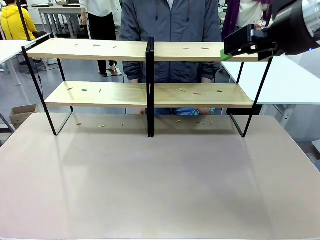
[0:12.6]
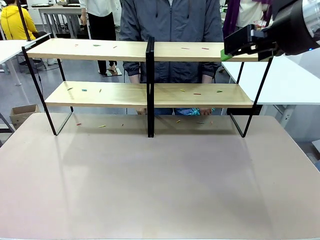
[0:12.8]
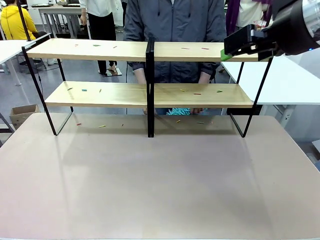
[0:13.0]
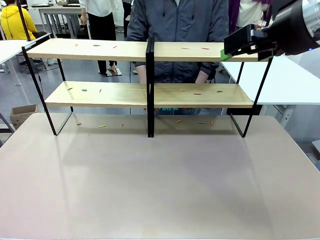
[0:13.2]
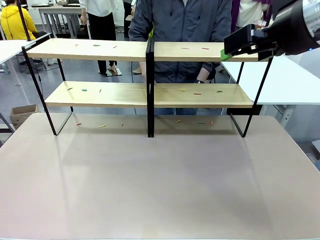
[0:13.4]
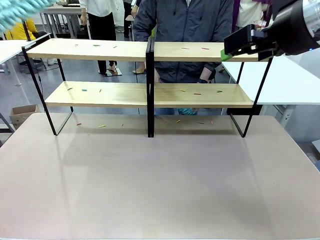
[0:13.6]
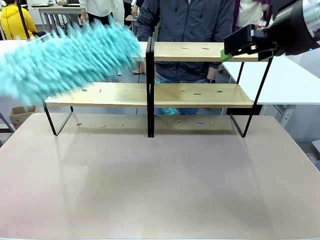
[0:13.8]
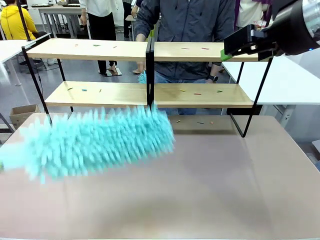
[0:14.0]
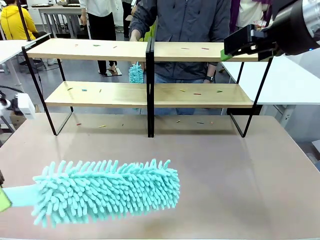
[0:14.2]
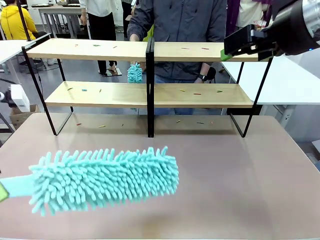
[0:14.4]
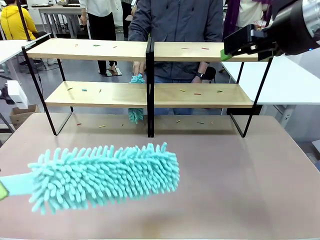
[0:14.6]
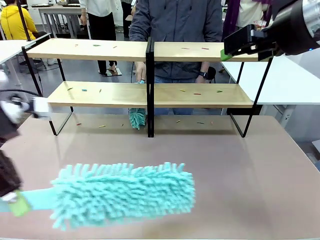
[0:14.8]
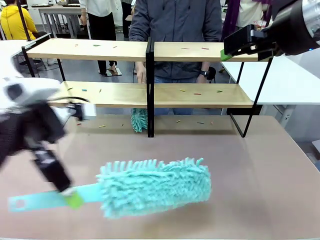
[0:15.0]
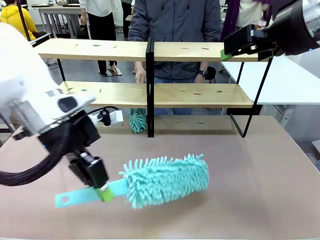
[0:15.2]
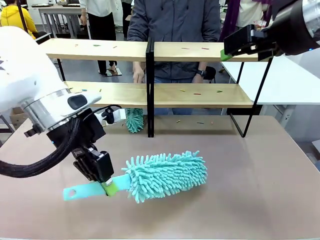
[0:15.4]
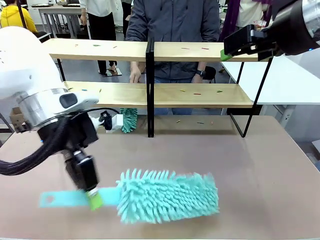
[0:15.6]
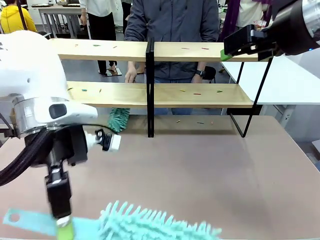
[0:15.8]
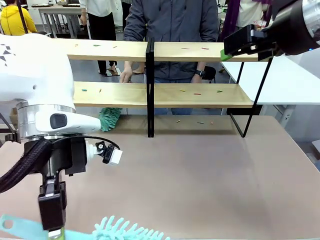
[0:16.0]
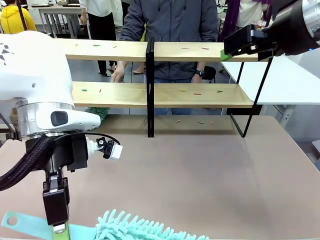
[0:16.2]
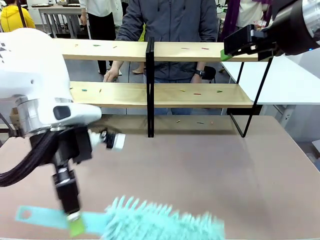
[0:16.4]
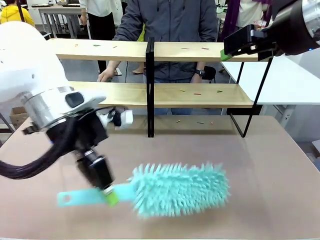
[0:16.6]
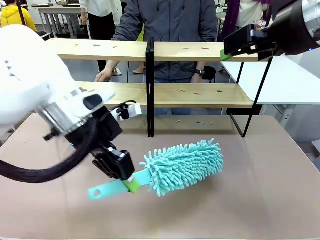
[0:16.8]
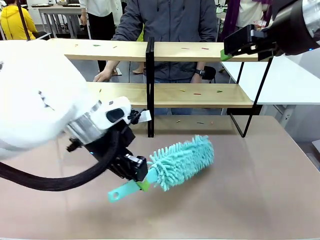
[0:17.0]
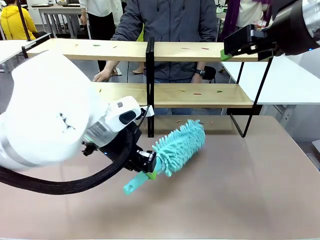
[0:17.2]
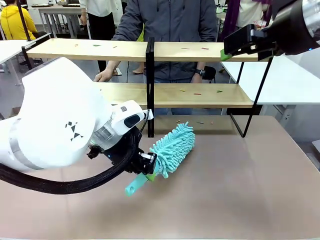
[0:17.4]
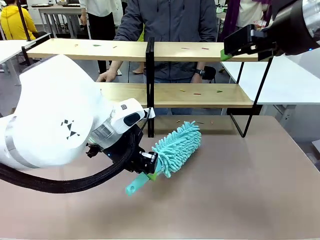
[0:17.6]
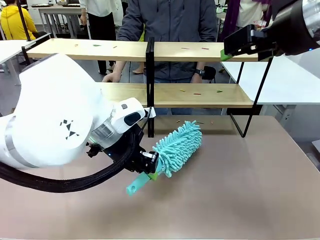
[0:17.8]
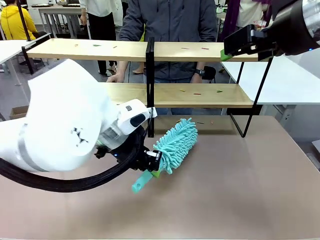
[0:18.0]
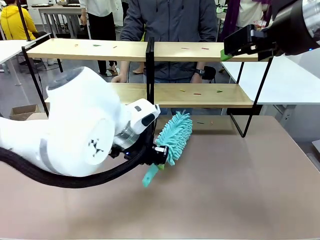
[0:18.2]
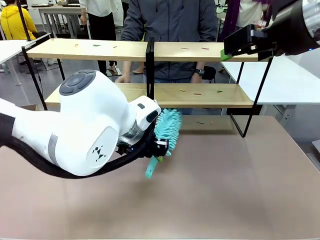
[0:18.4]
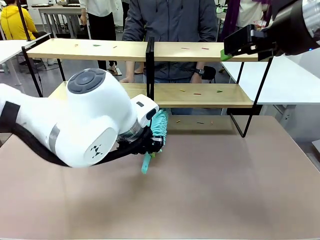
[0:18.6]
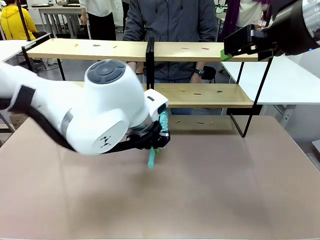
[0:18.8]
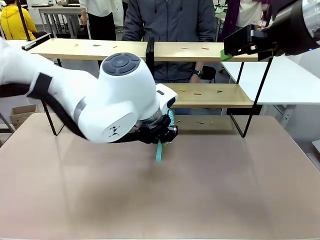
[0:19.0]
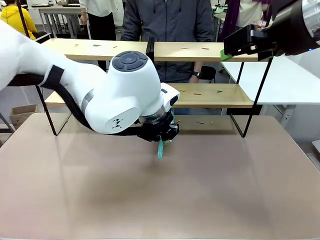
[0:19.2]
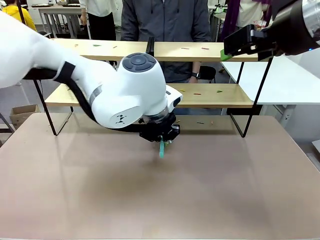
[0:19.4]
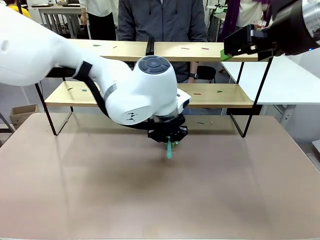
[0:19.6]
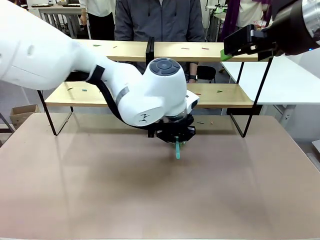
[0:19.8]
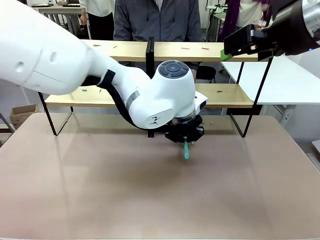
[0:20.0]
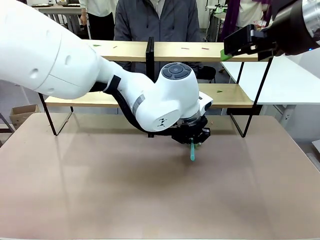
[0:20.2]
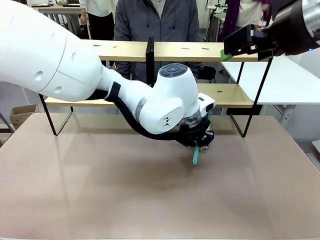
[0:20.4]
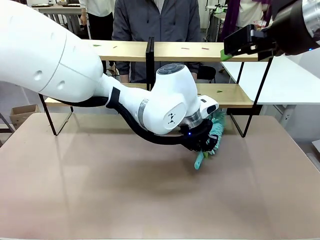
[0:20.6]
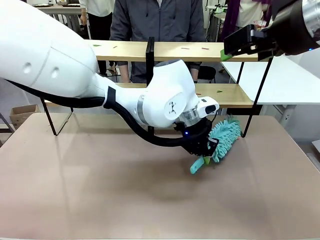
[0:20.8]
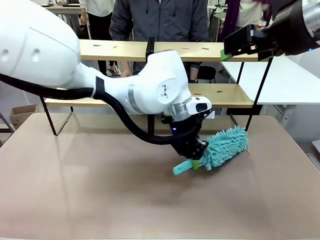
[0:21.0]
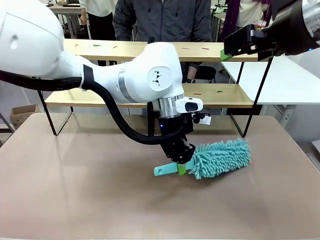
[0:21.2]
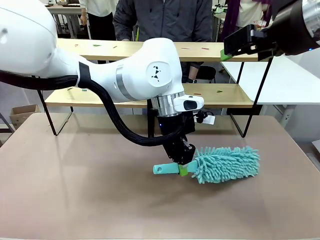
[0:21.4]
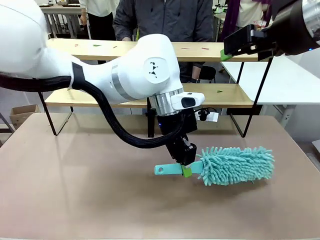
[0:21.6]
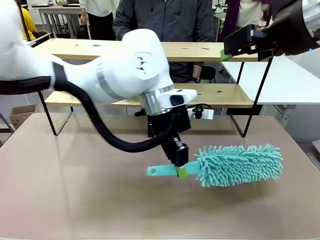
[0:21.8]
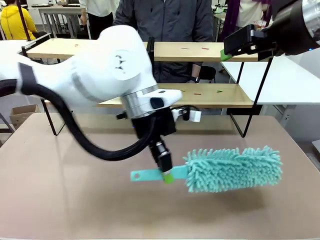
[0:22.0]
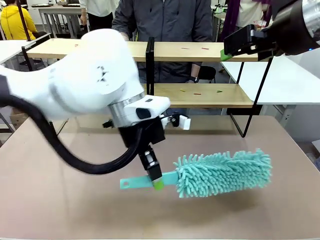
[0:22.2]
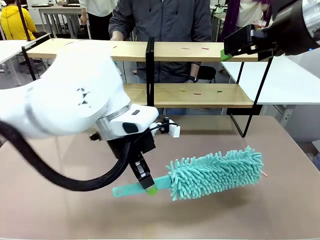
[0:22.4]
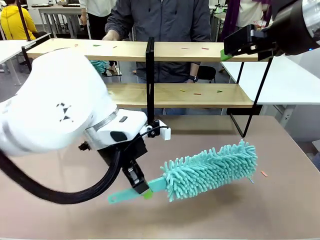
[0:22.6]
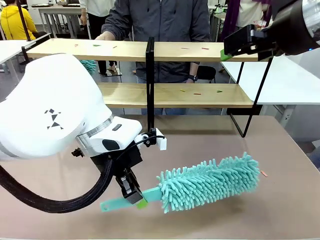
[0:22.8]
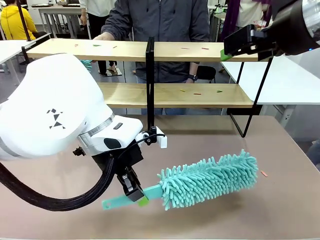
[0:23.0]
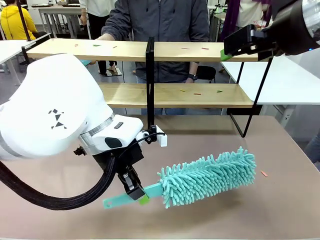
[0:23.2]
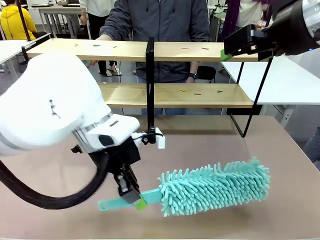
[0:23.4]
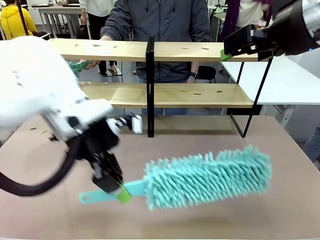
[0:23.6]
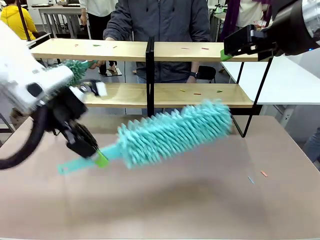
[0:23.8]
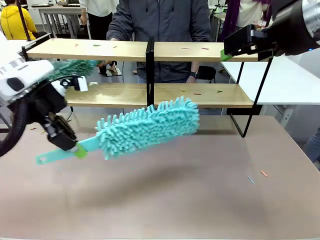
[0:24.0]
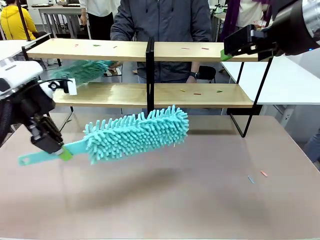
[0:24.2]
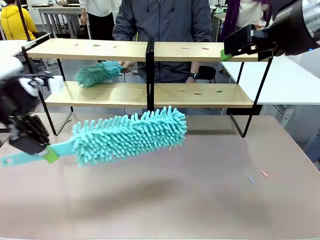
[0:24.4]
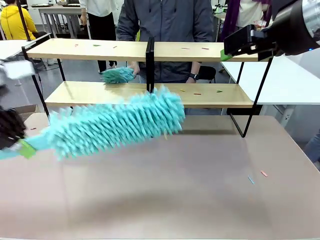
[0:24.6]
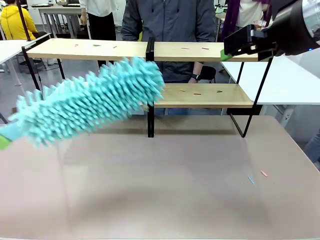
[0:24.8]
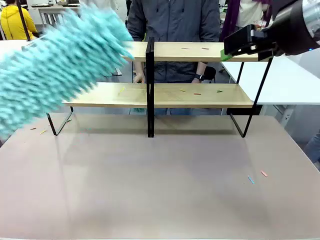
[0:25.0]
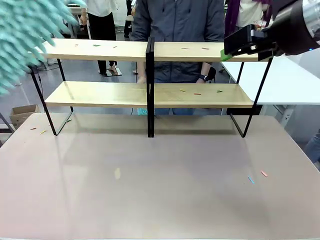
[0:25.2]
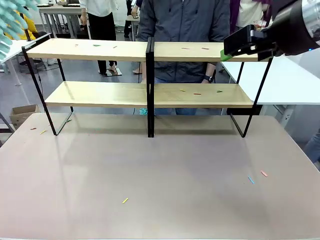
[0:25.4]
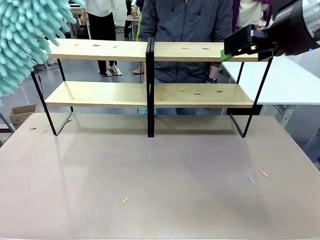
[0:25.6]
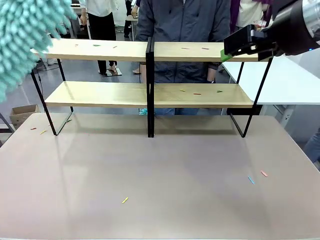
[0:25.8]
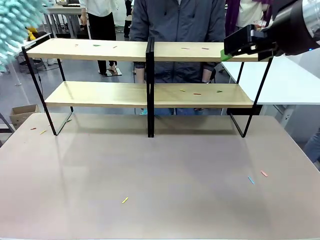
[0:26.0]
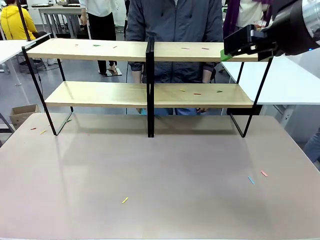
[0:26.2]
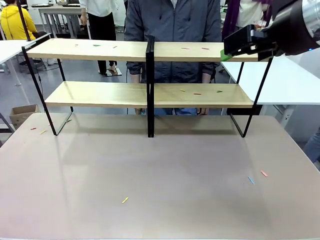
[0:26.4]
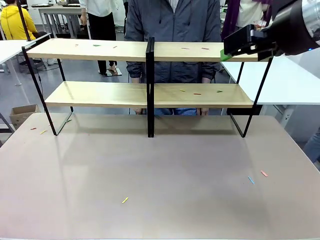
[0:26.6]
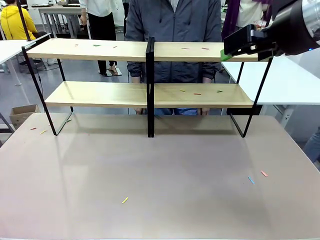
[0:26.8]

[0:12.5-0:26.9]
Task: Clean the shelves.
Robot: Clean a randomly selected level of the Shelf with the Duster.

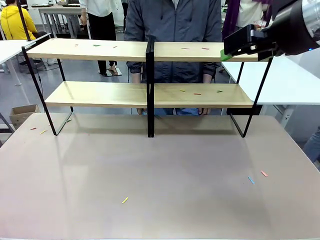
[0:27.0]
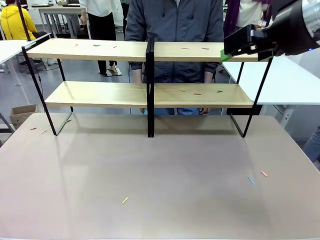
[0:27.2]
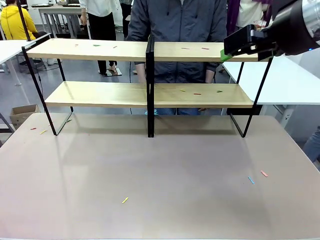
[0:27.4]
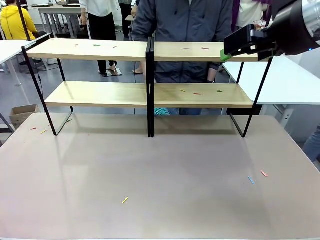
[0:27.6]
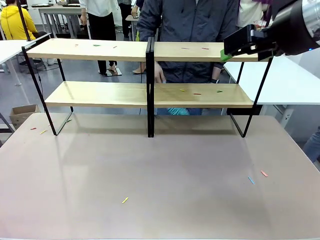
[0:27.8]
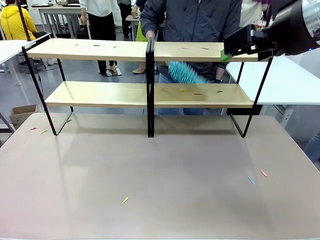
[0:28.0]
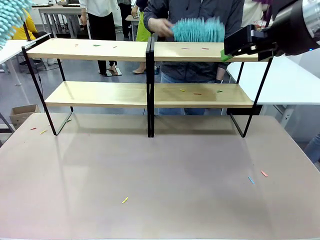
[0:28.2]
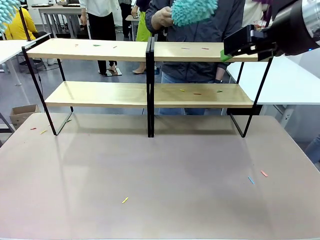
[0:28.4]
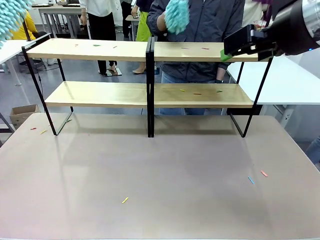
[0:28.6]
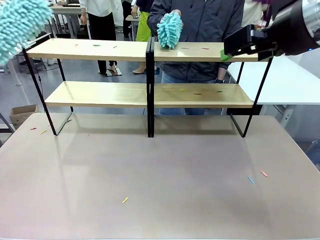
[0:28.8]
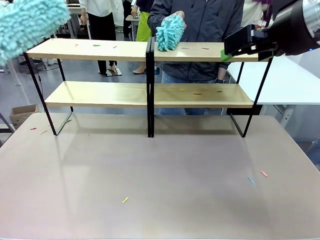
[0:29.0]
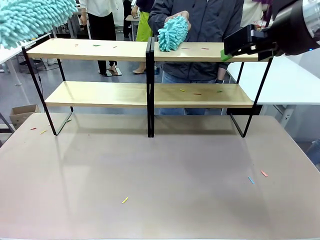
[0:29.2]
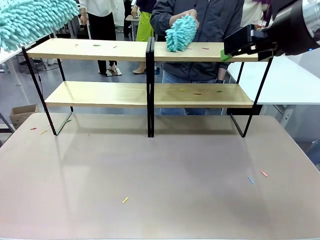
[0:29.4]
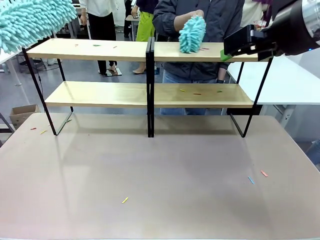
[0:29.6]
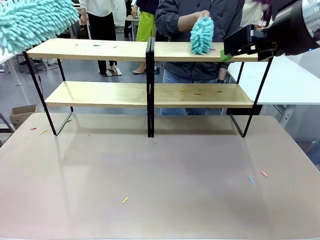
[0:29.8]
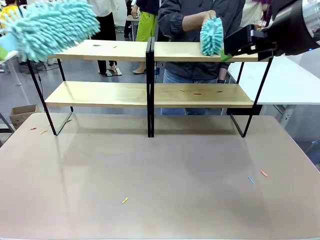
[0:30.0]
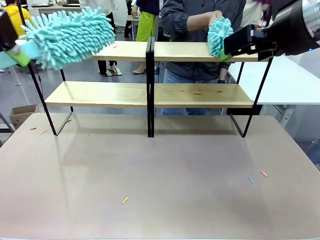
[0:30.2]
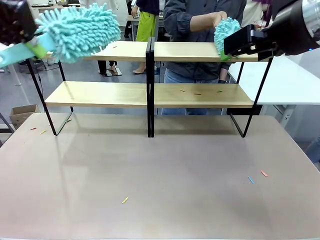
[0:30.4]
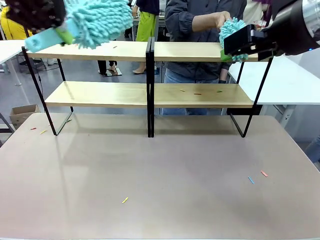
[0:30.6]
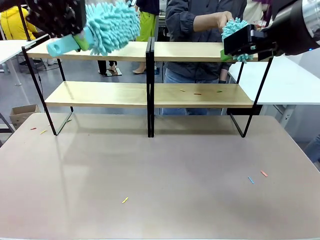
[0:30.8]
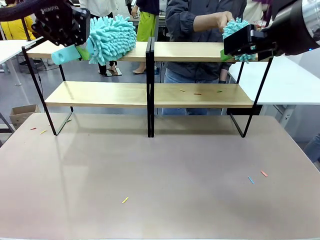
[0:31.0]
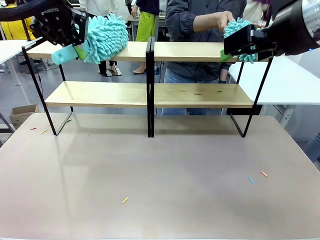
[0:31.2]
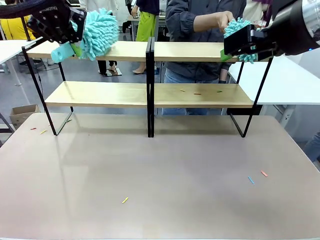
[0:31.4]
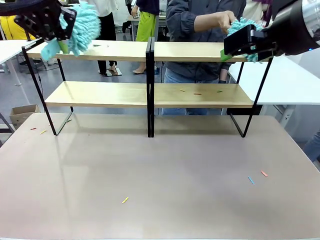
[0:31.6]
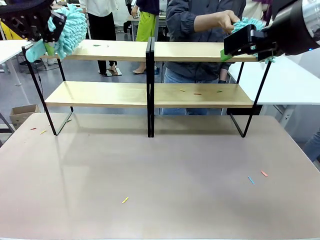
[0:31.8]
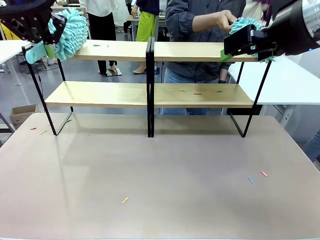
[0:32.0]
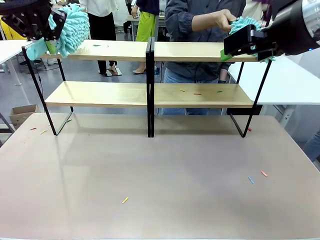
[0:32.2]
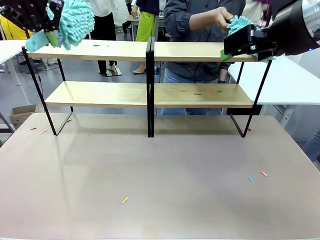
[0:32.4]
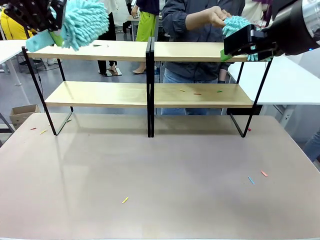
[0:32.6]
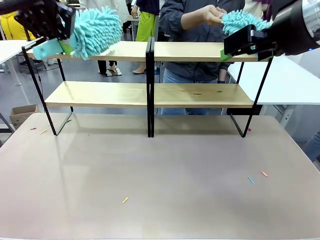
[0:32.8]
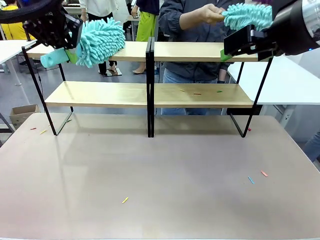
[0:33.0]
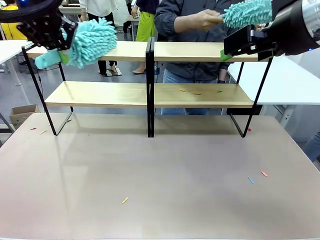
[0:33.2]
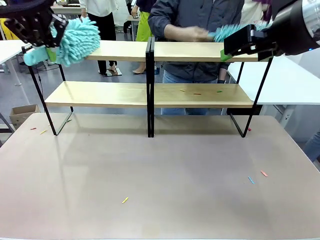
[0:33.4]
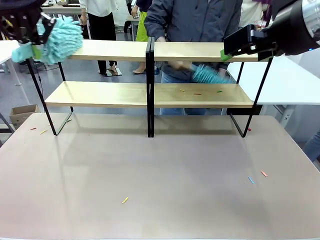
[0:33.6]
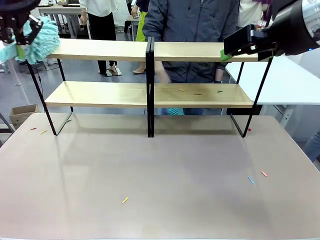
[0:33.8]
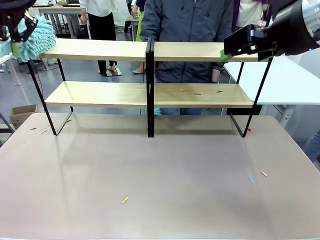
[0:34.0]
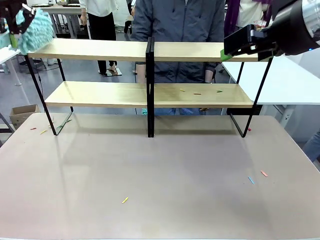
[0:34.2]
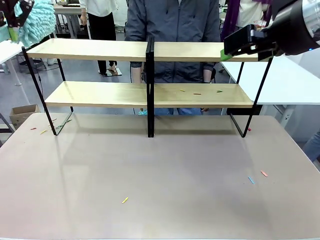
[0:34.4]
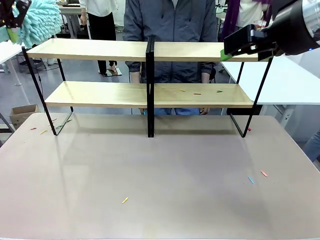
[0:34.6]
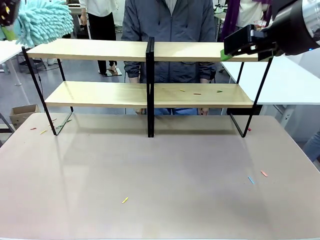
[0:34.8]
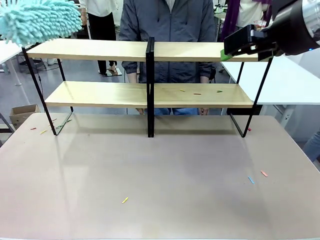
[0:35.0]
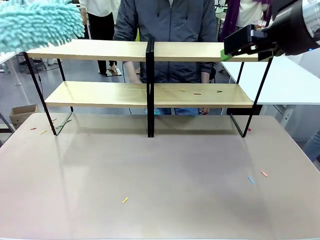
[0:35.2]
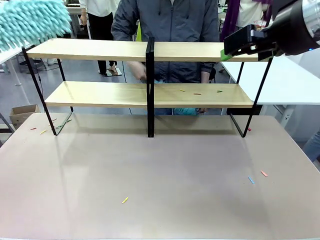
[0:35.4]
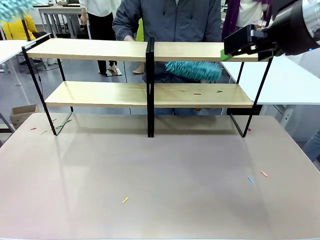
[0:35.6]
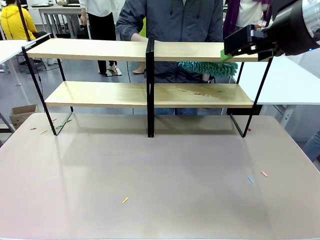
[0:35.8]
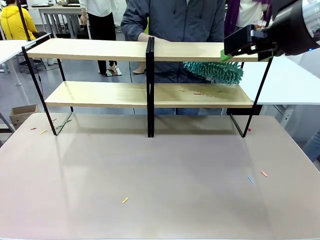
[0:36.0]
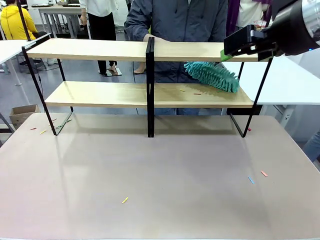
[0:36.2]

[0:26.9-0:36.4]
Robot: Clean another randomly selected level of the Shelf with the Duster.
